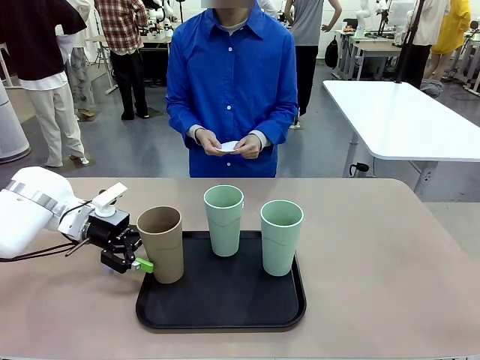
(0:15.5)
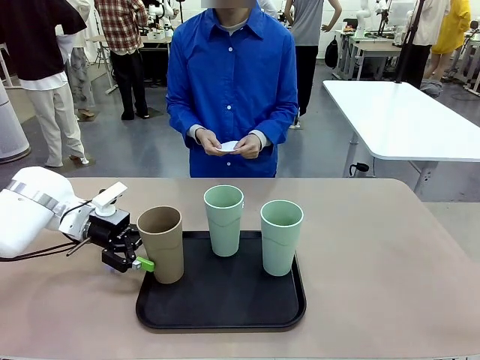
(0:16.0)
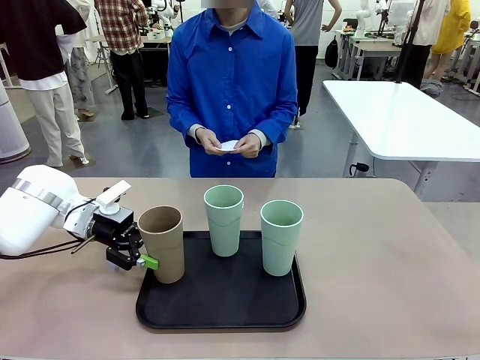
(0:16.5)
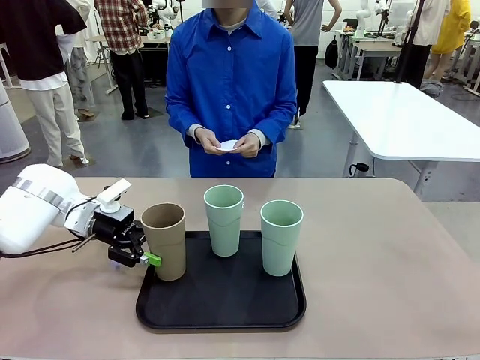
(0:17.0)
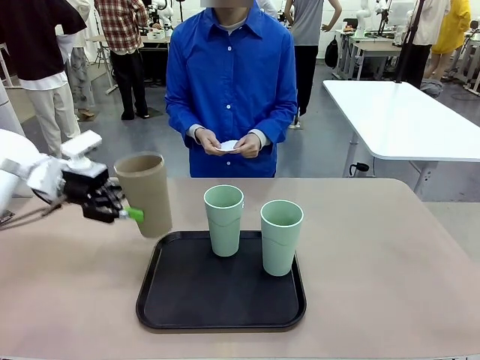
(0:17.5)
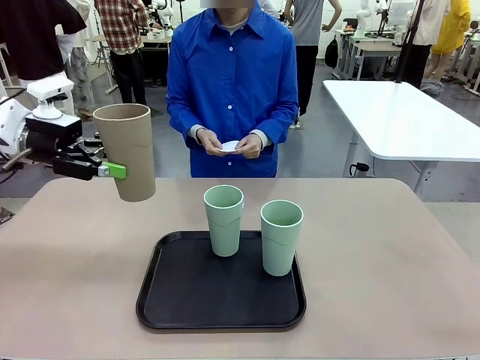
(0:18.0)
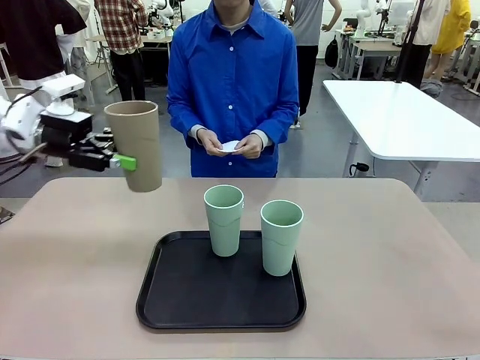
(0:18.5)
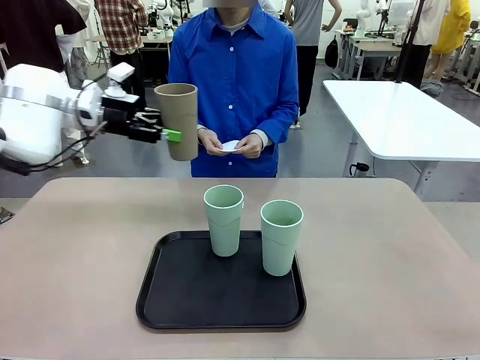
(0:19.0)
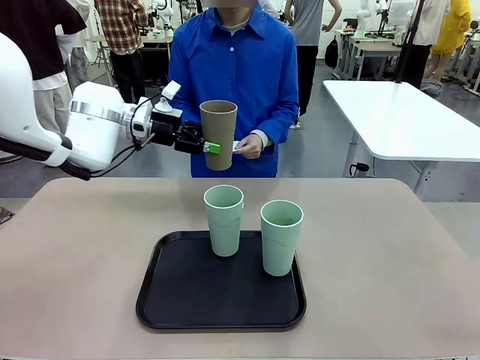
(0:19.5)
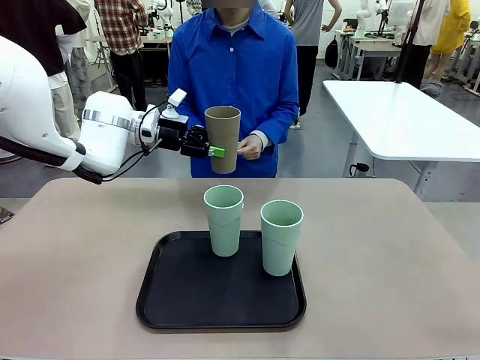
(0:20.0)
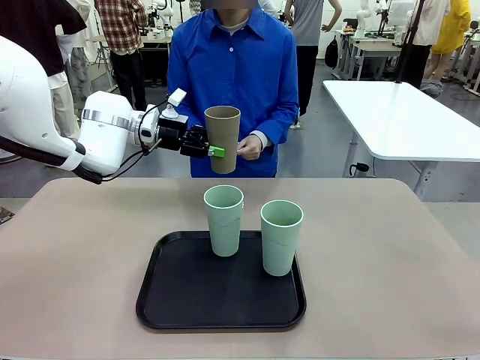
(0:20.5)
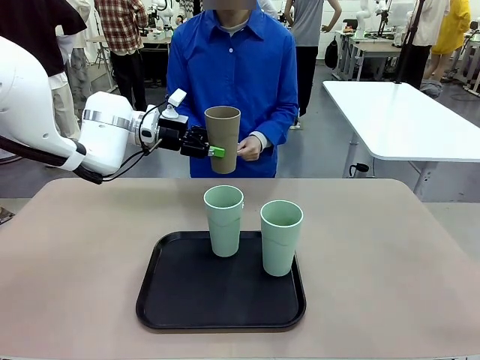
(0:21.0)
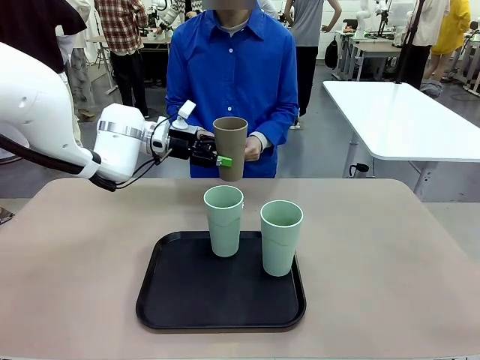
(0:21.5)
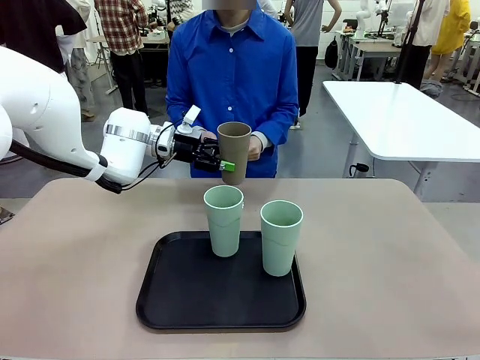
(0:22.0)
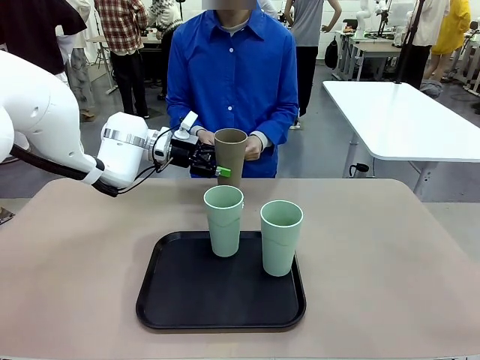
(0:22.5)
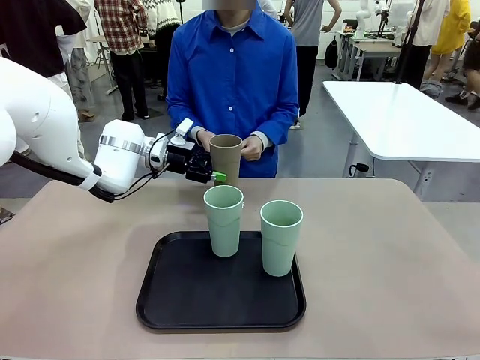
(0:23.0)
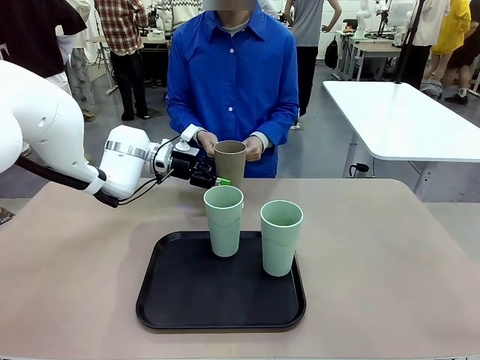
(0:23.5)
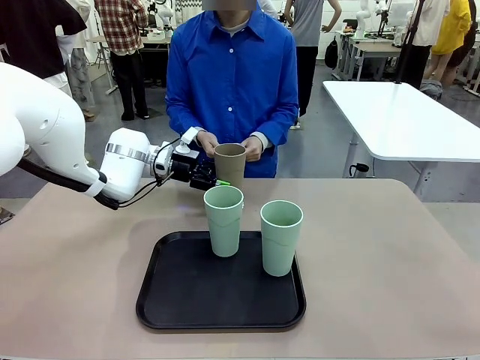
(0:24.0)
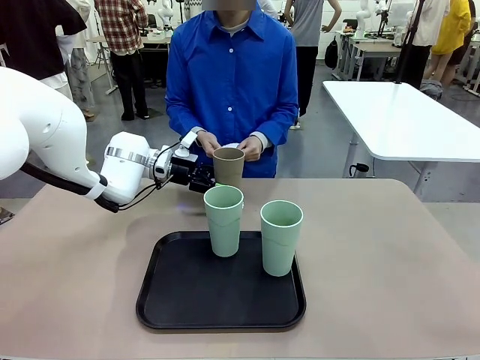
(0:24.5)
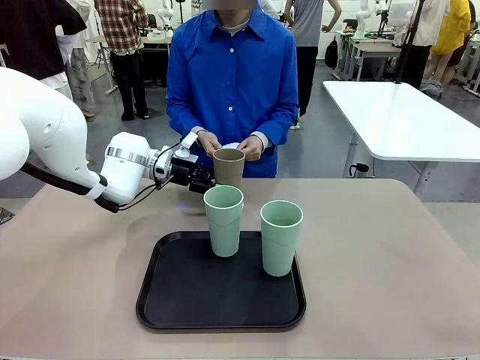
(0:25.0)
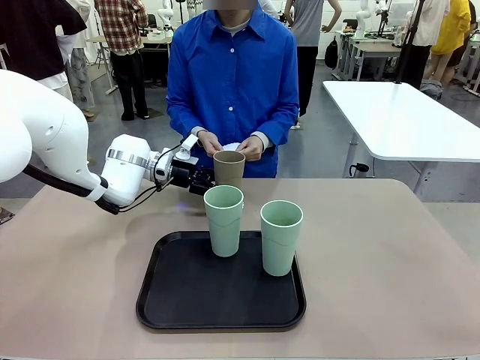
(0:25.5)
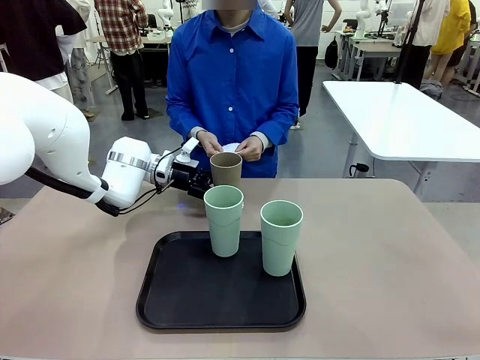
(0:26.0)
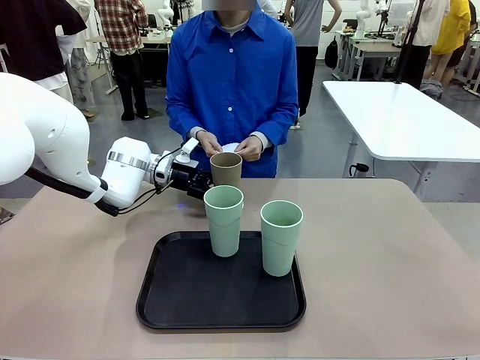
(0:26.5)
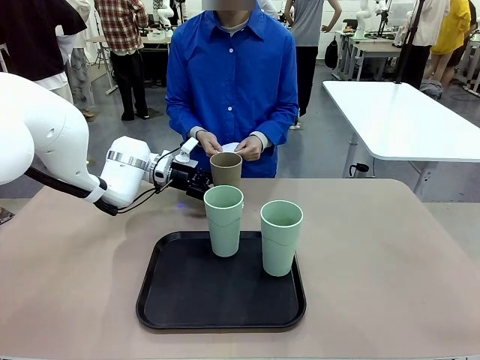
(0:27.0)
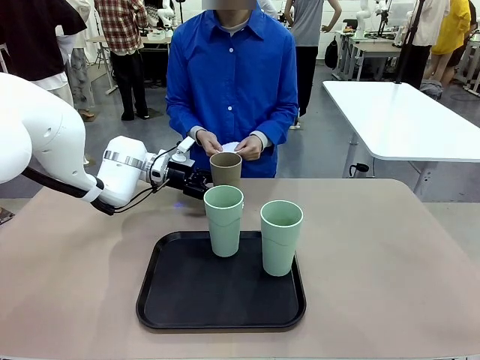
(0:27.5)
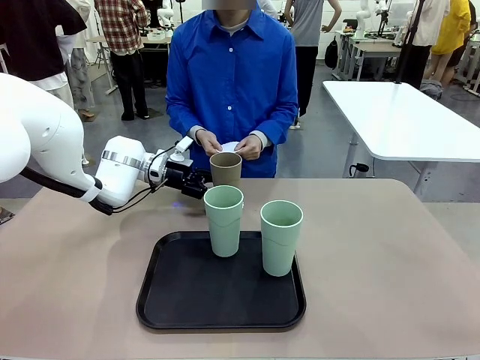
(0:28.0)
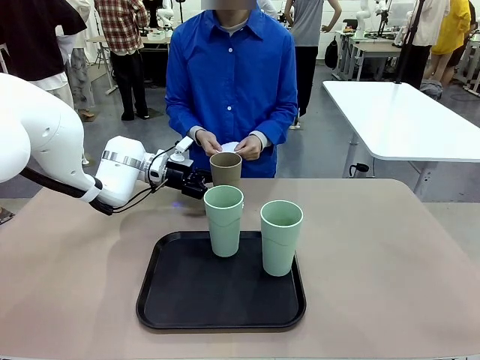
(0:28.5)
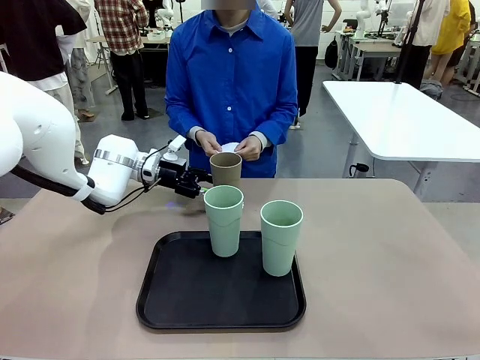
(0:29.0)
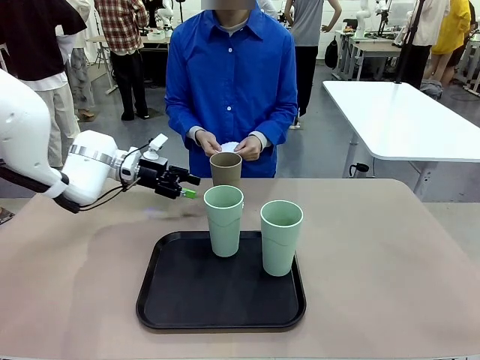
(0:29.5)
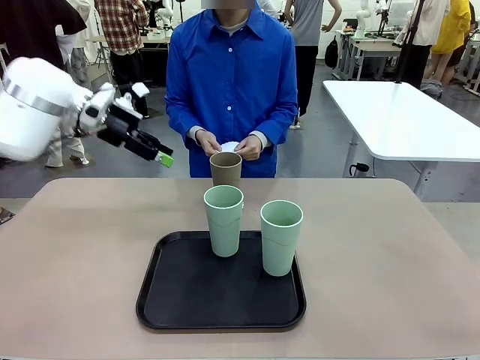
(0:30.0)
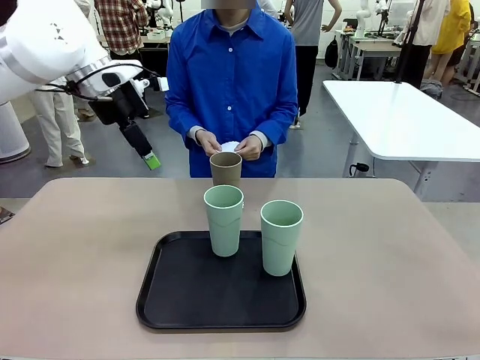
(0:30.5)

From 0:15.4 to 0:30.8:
Task: Place coasters on the table and set cups on them.
Robot: Pick up one Reusable plastic cup and place it on a coaster set by the human.
Person: Place one coaster in one of the two areas excluding the previously selected area.

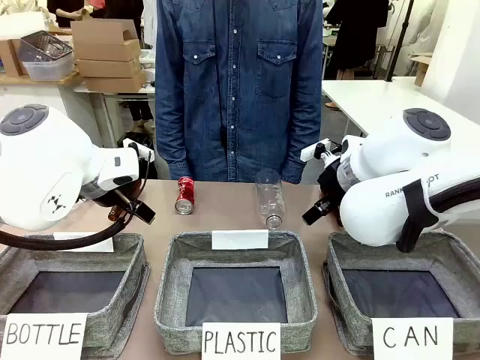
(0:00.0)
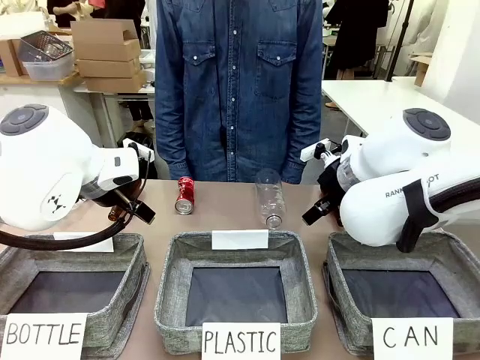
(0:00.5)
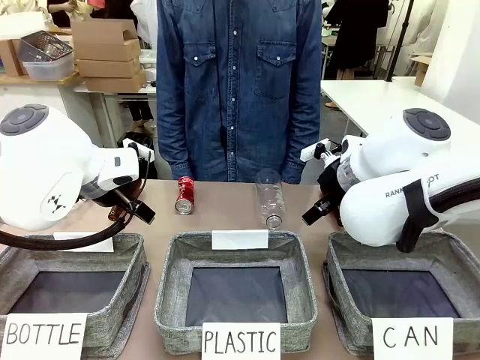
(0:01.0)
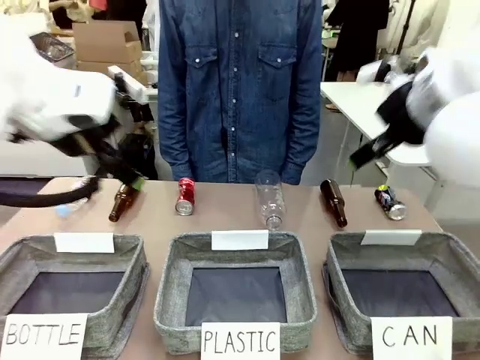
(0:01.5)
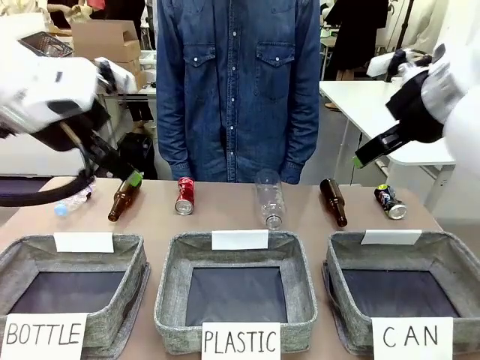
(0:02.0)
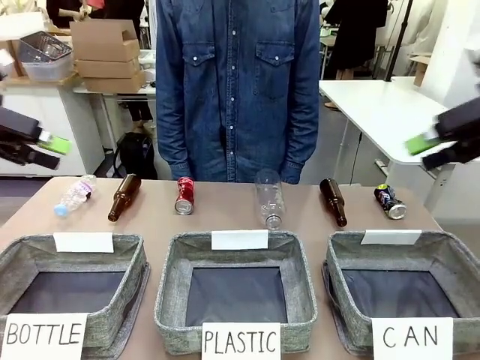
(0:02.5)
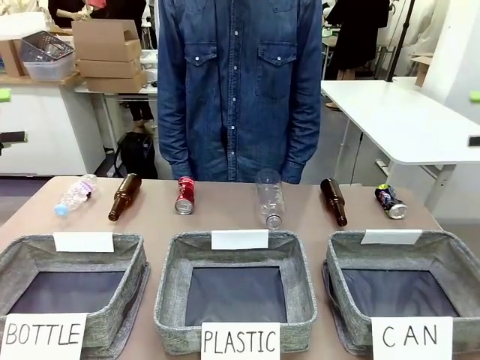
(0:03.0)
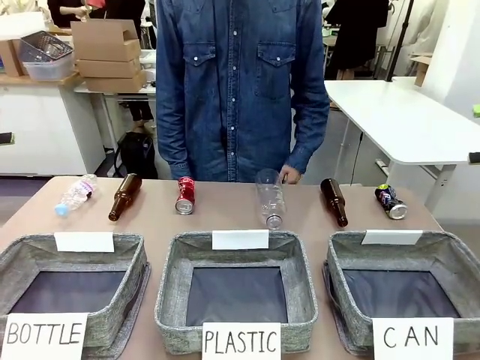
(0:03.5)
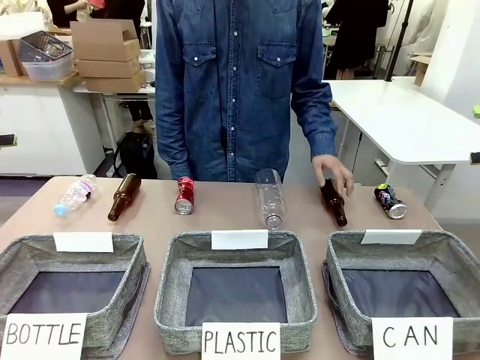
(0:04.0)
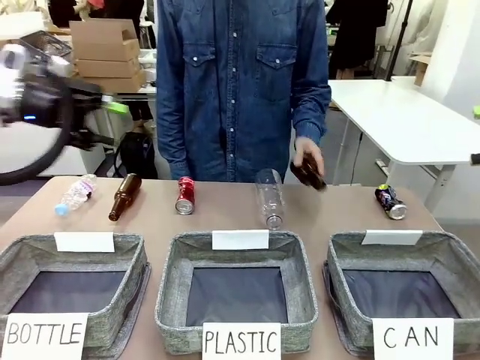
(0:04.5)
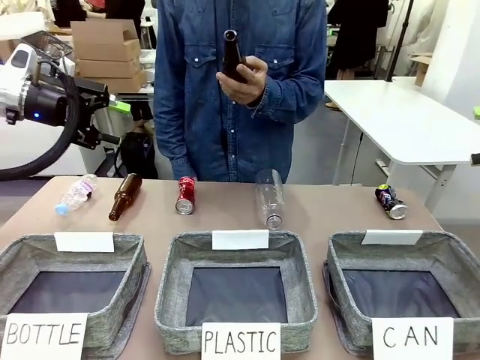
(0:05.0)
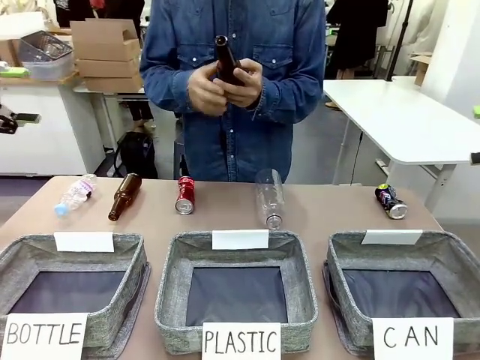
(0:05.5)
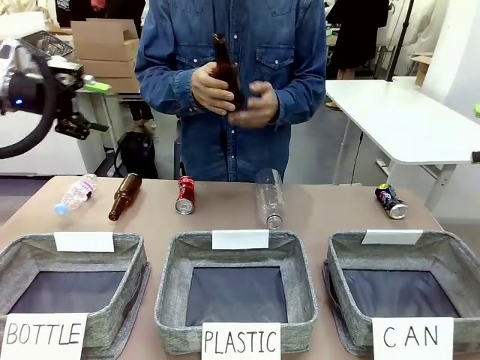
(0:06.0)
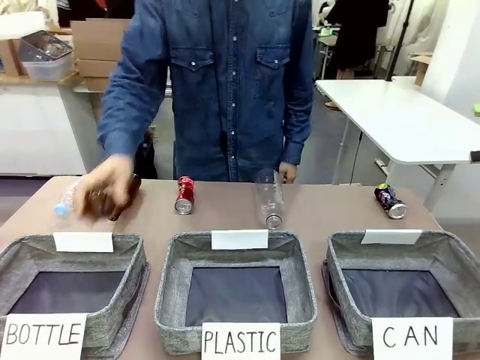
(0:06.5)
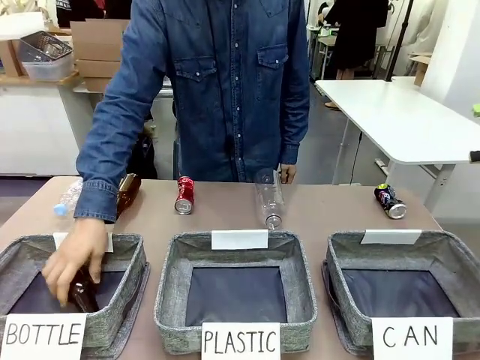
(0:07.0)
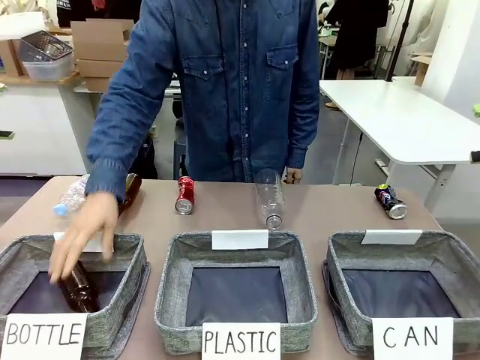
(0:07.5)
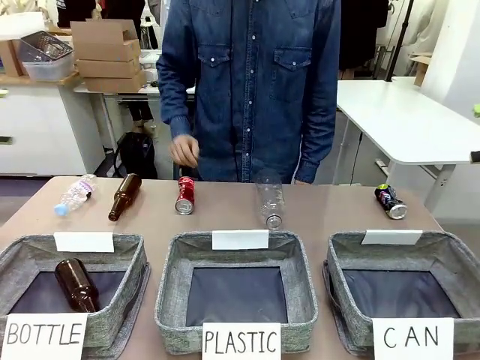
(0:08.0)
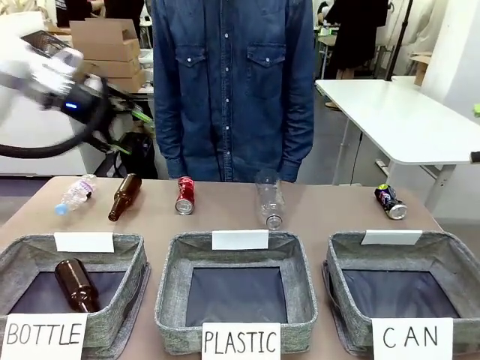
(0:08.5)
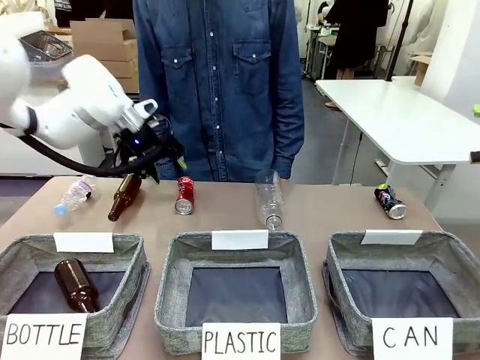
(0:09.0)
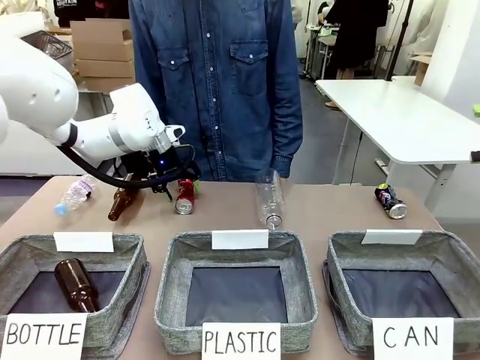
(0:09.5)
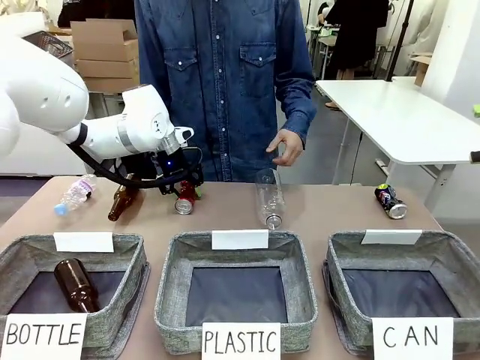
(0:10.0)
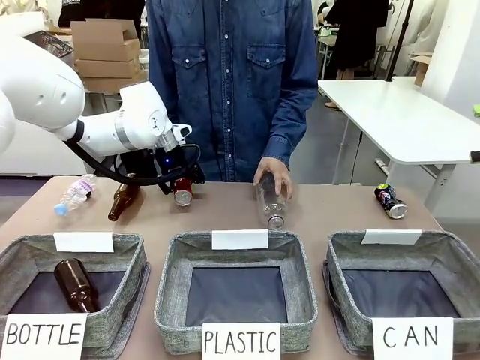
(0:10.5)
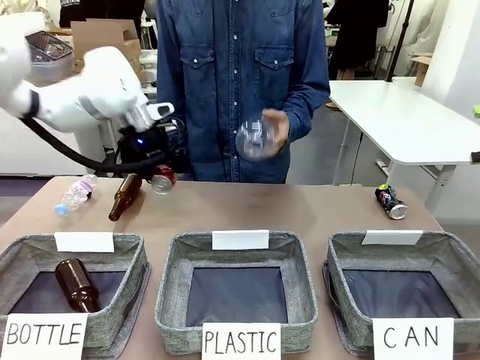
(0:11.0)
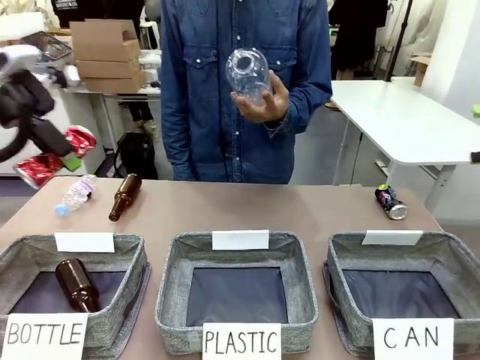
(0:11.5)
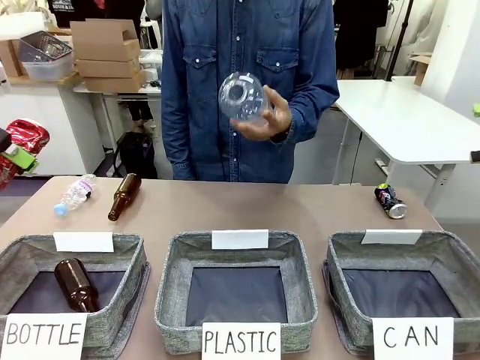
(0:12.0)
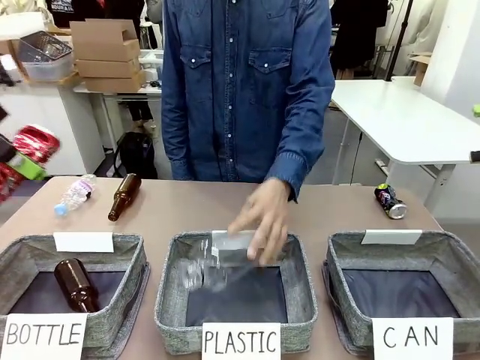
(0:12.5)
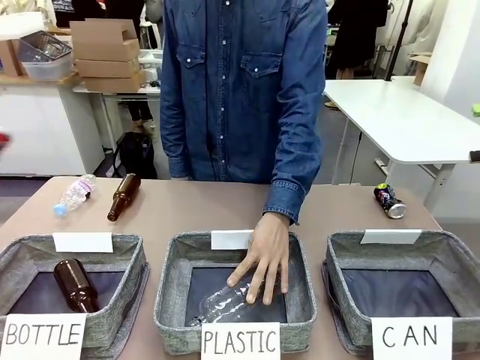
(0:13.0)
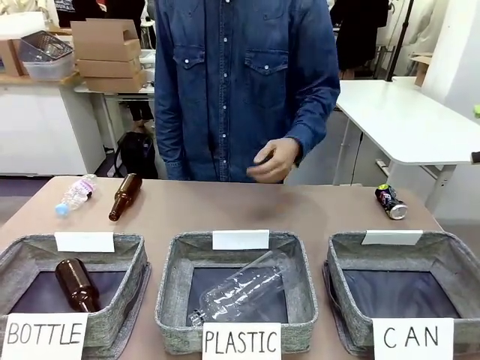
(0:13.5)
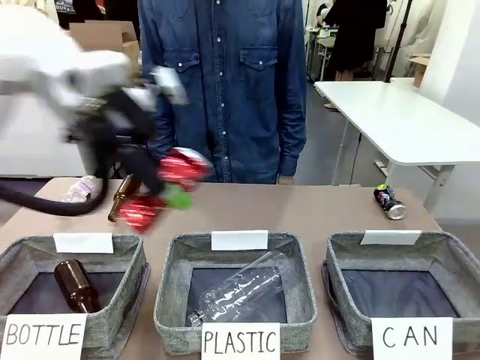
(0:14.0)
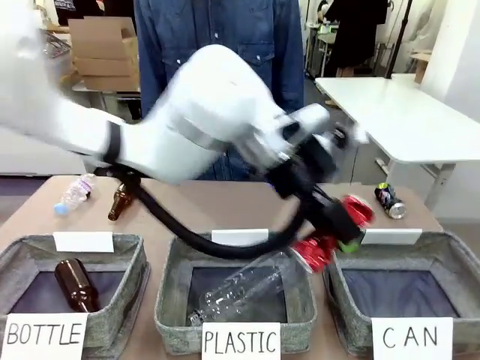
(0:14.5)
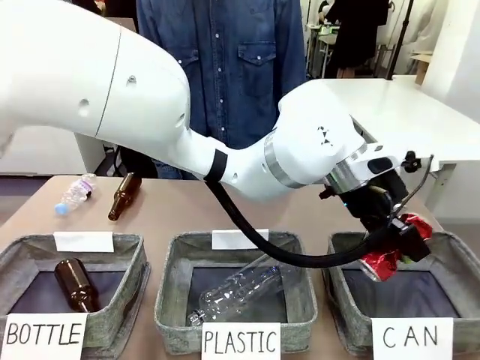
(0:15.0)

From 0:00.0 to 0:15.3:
Task: Sort the can waste into the basket.
Robot: Pick up the can waste from the table and place it in the right Fabric basket.
